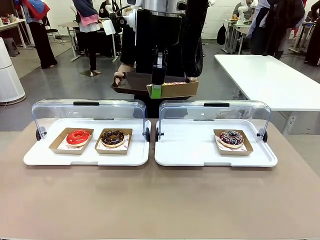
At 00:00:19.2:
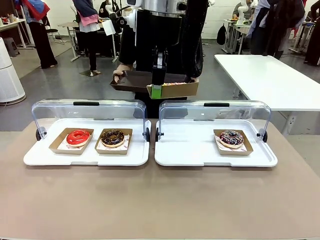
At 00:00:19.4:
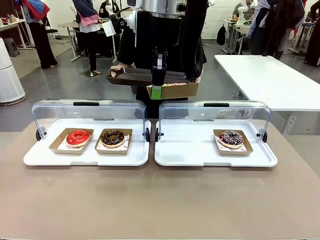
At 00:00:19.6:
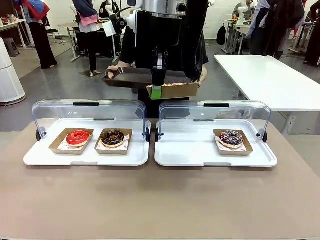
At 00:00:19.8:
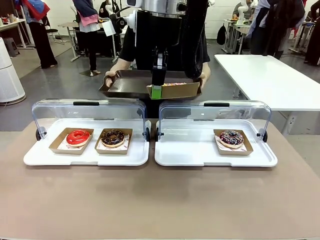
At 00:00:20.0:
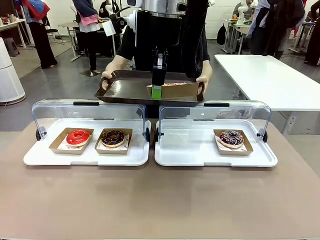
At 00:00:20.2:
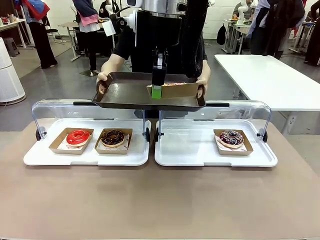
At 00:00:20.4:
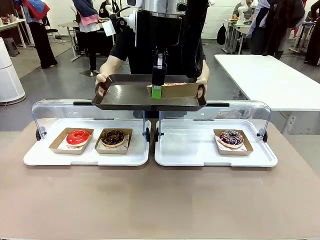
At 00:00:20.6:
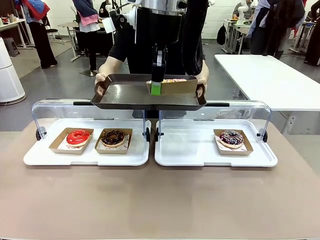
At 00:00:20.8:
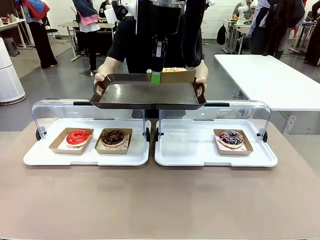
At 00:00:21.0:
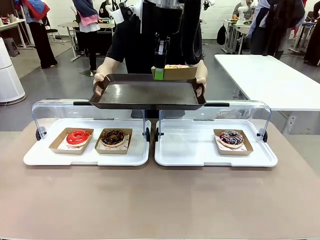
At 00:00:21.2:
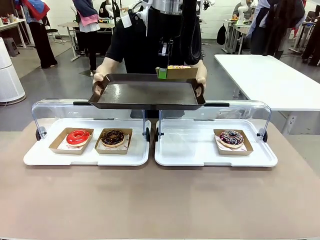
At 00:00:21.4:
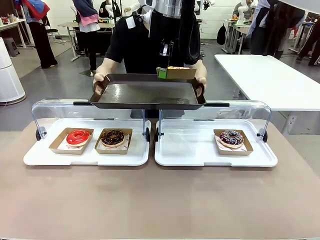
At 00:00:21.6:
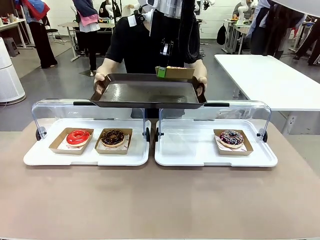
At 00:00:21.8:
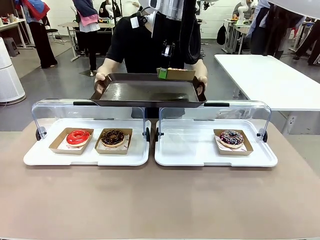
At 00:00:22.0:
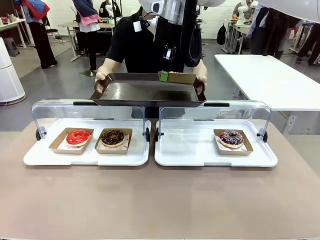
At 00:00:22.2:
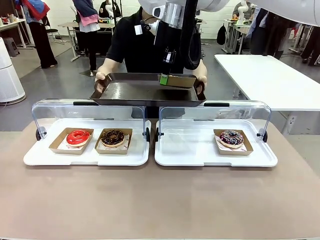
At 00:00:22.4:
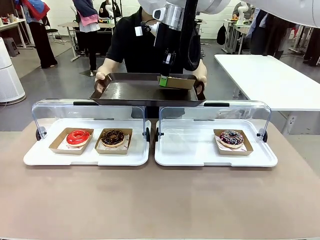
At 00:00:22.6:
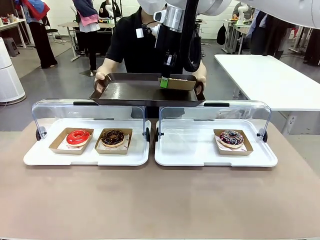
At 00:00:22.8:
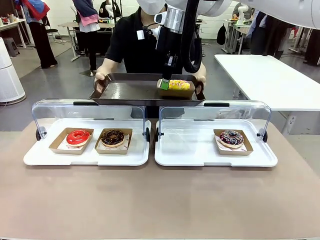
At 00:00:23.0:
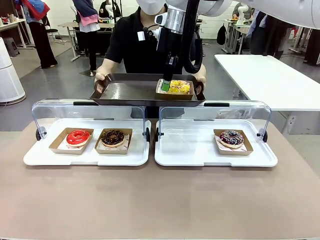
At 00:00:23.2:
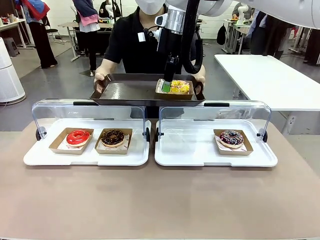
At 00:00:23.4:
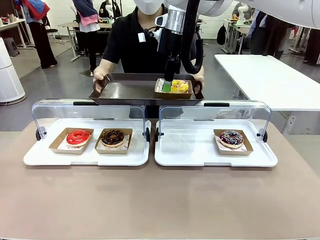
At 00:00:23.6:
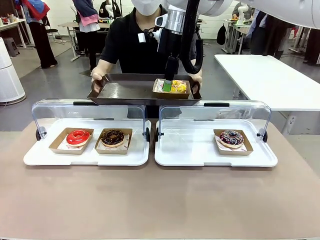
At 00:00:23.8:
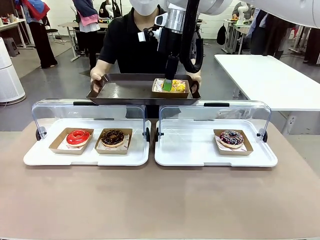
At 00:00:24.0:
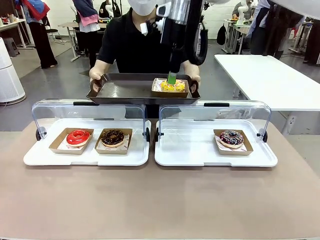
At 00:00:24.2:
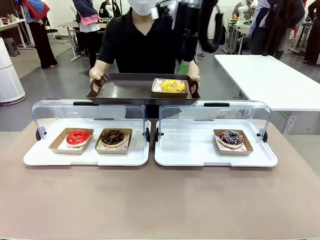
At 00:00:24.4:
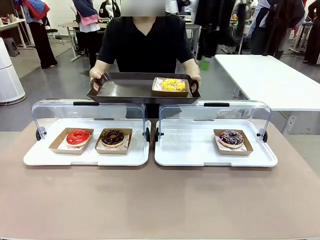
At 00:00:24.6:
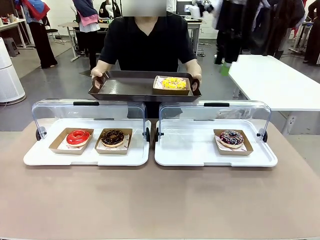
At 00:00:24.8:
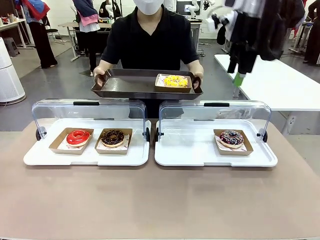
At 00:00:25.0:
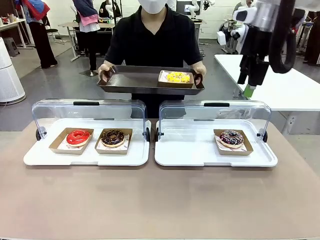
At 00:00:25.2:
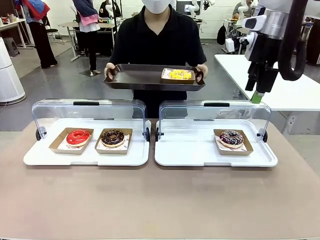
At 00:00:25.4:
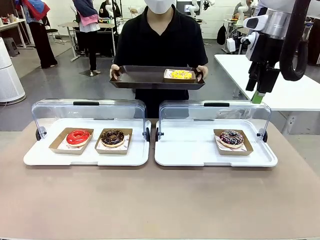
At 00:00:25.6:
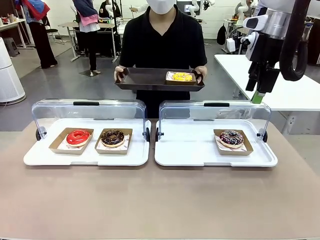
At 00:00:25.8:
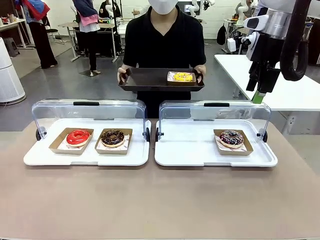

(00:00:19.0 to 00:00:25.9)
Task: Provide the desired donut to the person.
Robot: Place the picked Paper togo box onto the Handle tray extended by the person.

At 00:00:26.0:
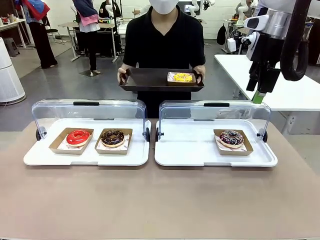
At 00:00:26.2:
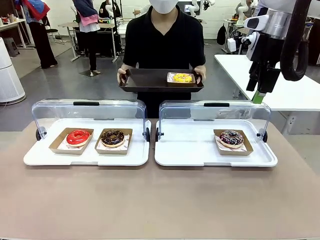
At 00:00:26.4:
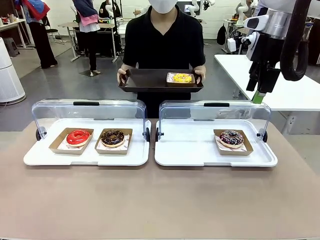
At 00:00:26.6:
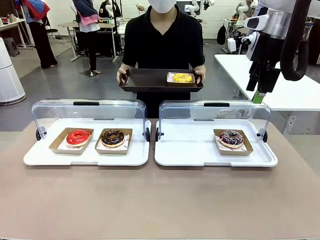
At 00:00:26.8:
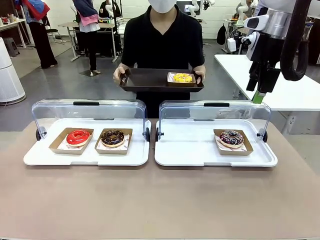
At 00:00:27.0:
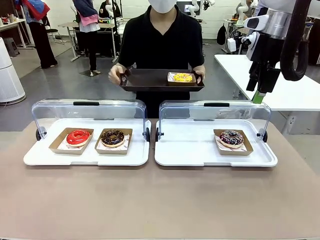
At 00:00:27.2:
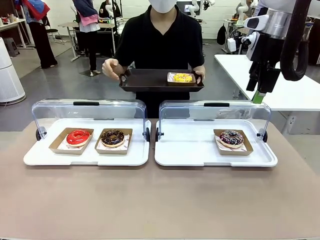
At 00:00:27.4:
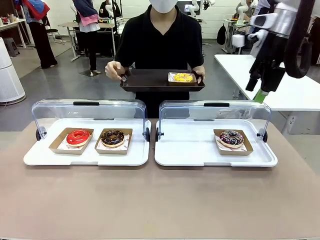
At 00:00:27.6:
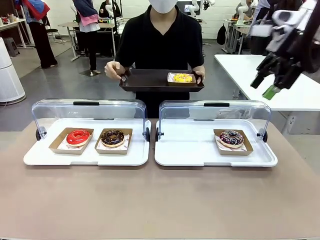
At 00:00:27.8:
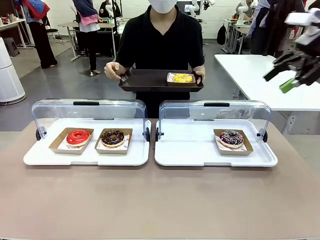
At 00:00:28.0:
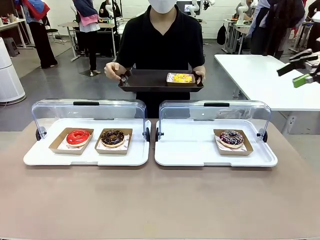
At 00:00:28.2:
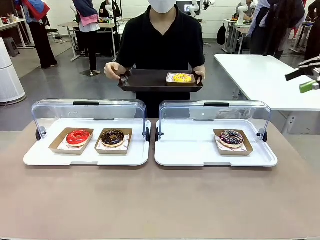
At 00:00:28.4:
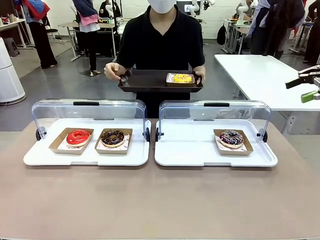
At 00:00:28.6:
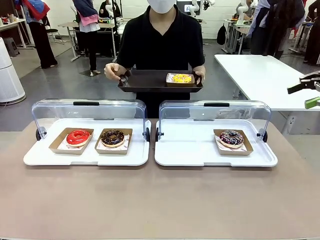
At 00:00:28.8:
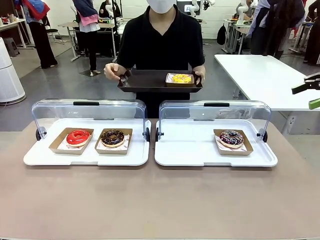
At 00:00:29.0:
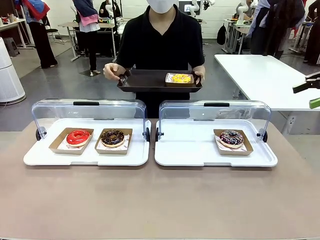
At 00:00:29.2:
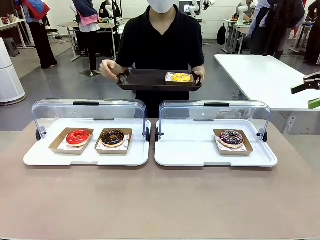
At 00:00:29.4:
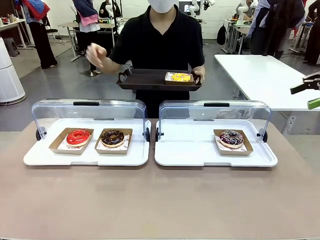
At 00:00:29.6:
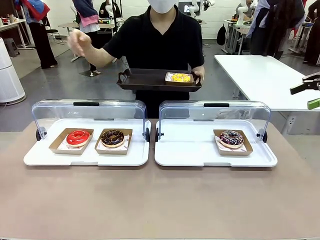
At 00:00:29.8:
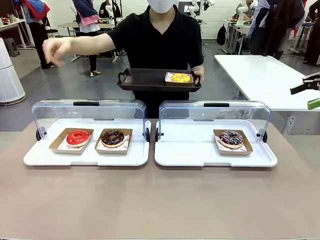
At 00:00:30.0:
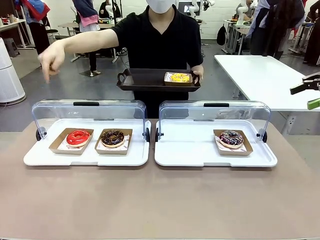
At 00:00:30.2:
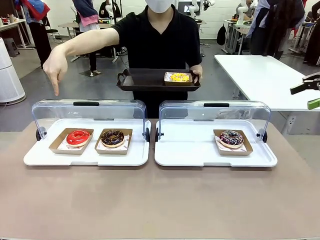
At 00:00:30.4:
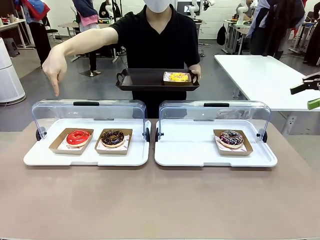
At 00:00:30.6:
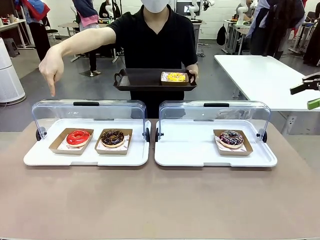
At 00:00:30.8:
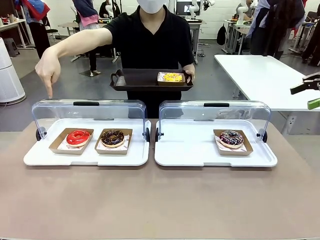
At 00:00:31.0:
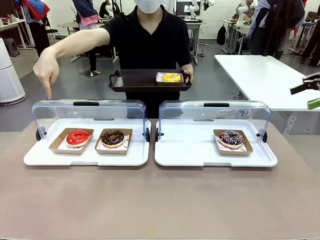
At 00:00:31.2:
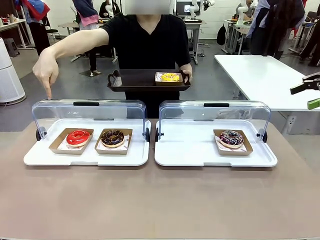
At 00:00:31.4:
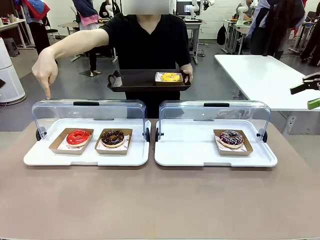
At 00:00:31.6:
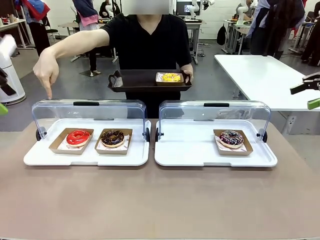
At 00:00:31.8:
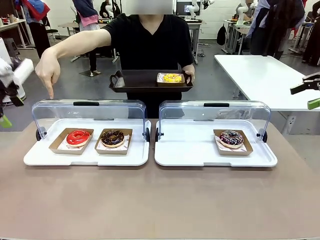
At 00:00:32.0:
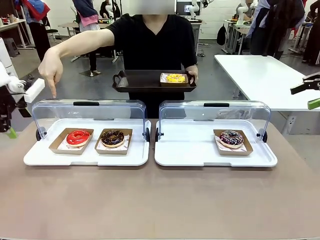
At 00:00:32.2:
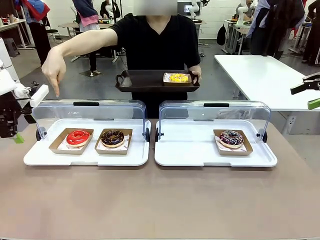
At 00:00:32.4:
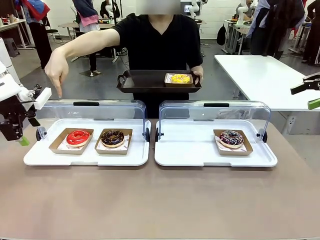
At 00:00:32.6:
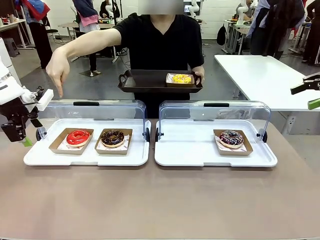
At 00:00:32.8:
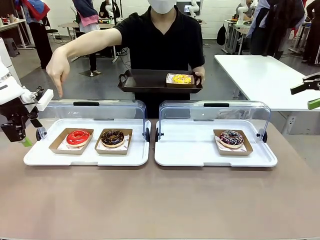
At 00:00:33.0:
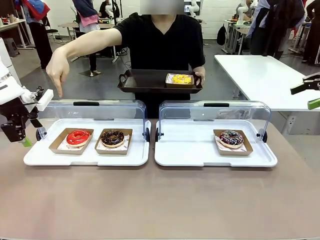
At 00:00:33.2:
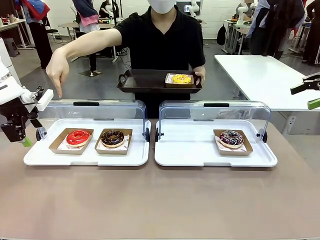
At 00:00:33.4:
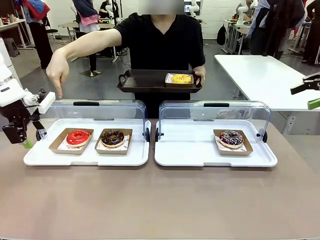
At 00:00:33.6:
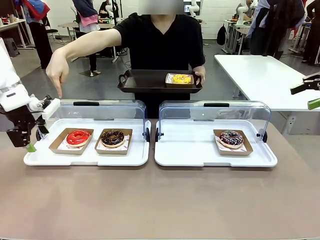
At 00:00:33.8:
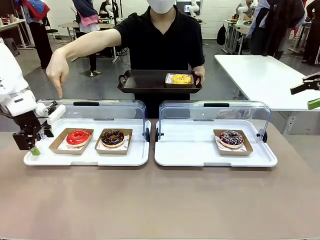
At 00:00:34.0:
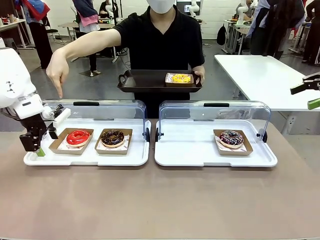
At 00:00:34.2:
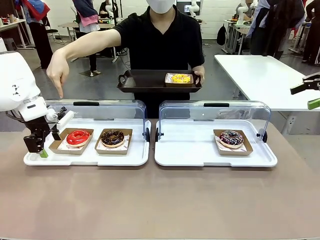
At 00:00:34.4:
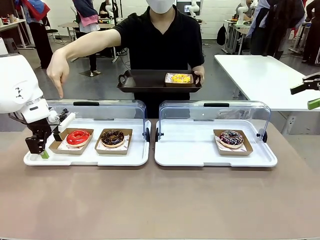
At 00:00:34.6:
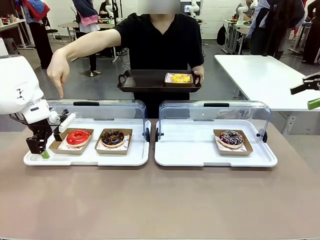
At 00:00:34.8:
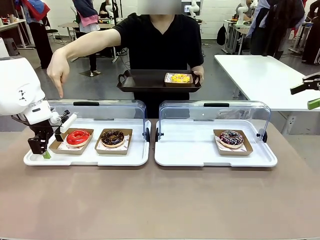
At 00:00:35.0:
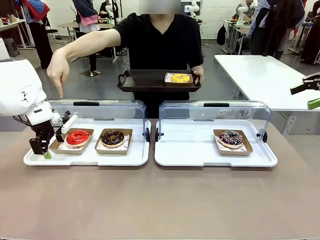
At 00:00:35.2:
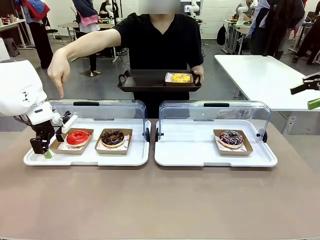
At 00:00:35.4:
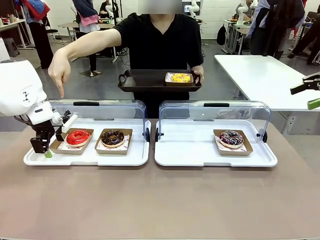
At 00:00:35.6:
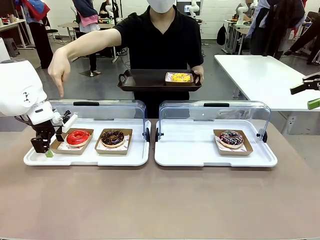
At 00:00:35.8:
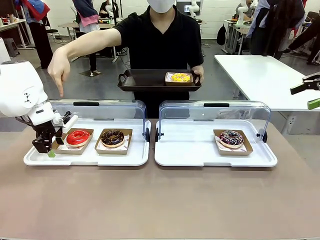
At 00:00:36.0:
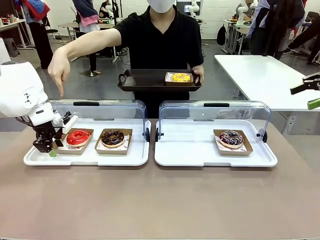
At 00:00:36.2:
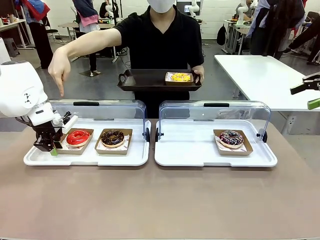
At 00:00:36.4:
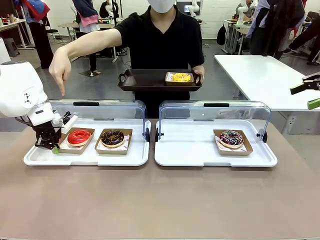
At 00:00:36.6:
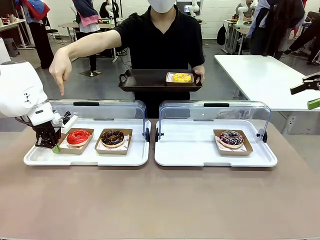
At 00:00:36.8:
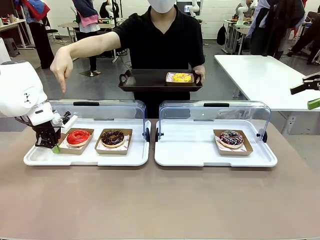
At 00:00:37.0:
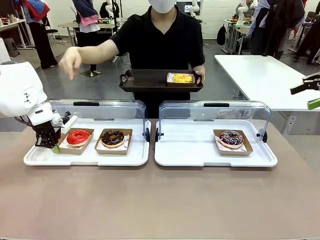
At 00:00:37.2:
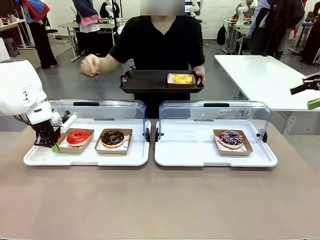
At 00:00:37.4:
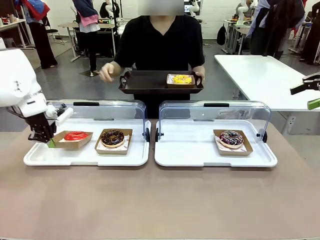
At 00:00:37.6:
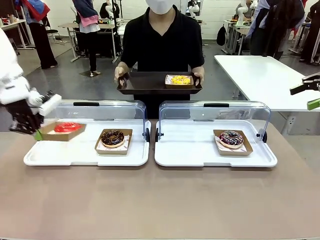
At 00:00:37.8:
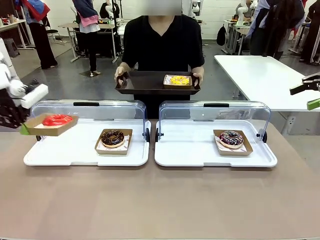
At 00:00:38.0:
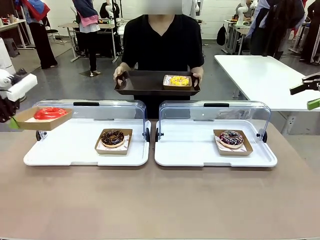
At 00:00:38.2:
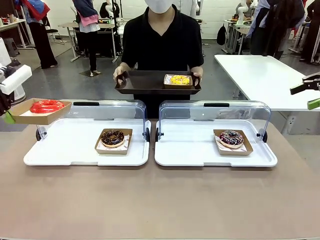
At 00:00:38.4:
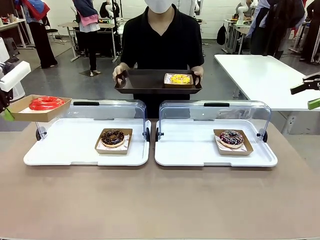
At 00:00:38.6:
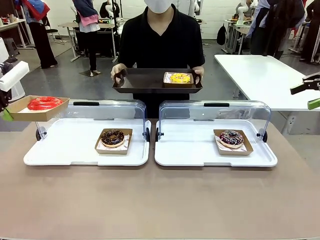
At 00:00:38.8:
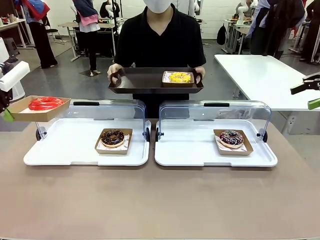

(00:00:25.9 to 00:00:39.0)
Robot: Pick up and lift the Paper togo box containing the Donut pointed at by the person.
Person: Point to one donut. Lift the tray onto the Roll-Top Bakery Case.
